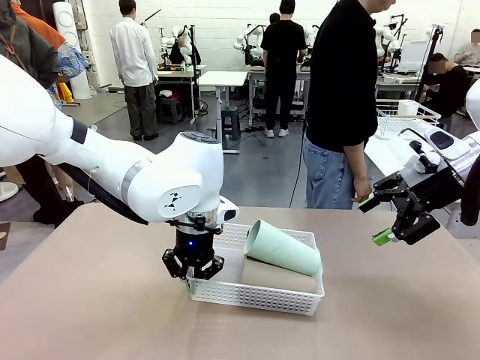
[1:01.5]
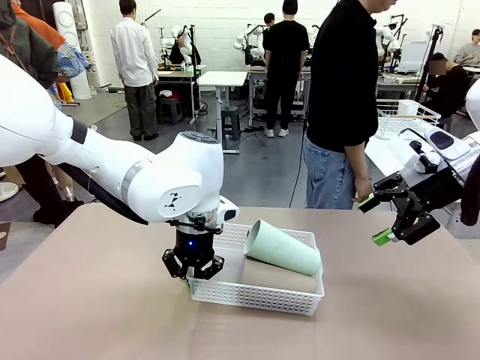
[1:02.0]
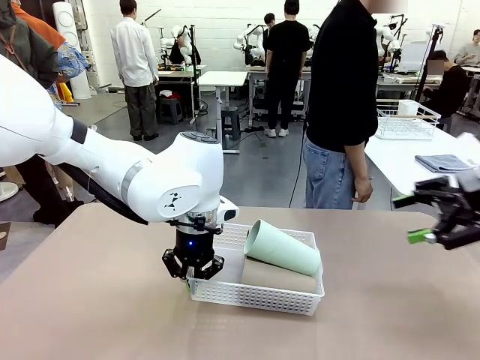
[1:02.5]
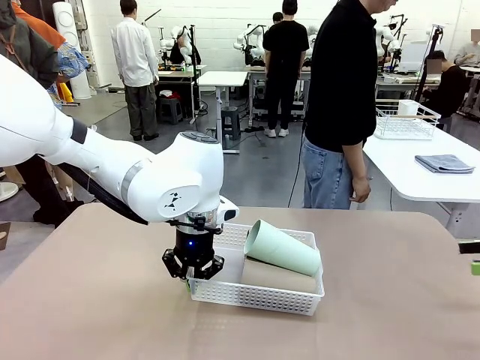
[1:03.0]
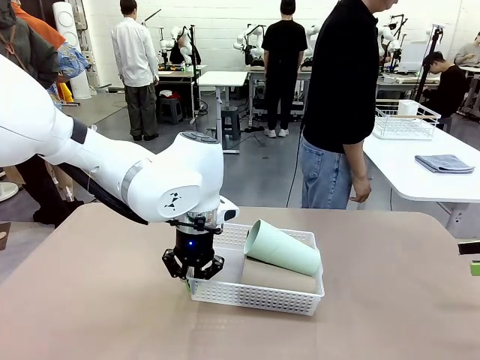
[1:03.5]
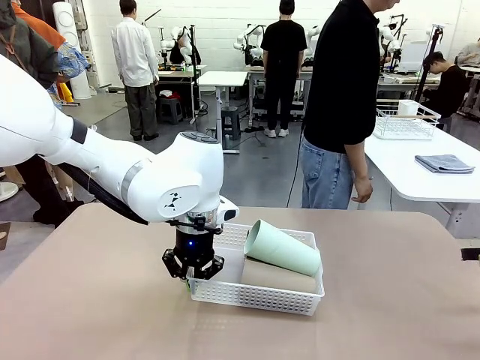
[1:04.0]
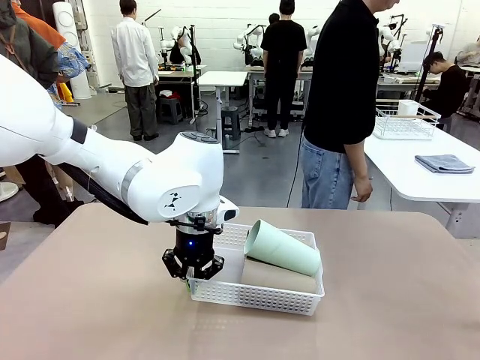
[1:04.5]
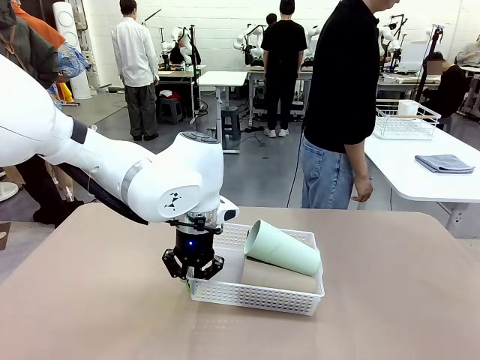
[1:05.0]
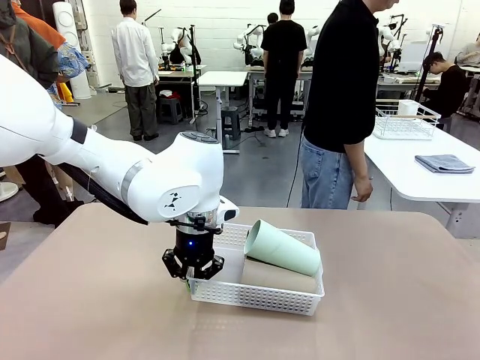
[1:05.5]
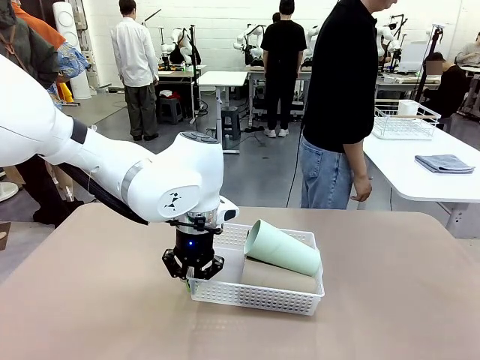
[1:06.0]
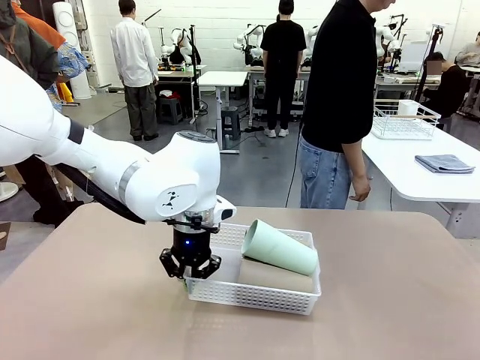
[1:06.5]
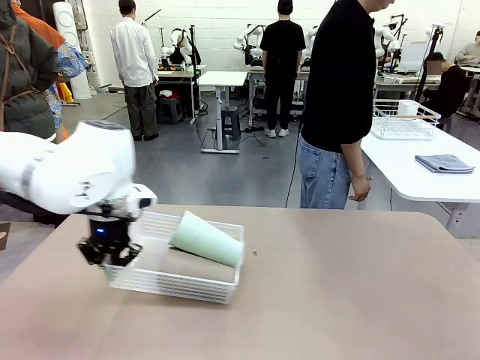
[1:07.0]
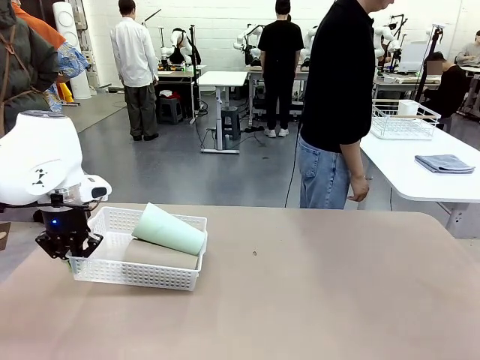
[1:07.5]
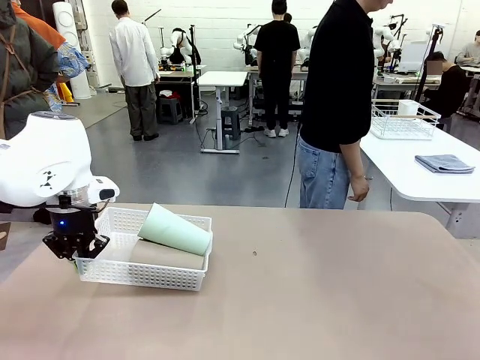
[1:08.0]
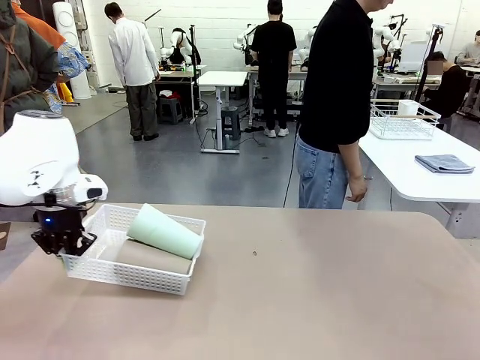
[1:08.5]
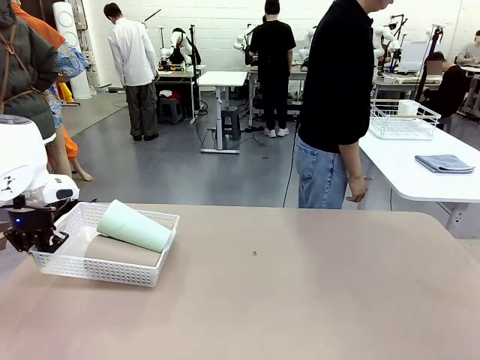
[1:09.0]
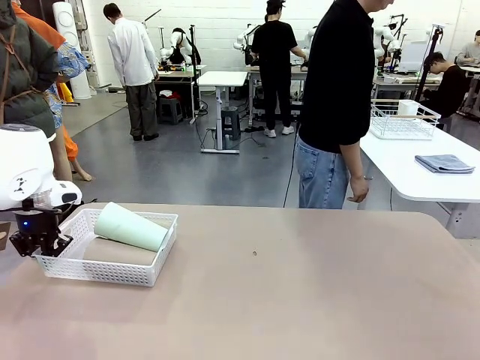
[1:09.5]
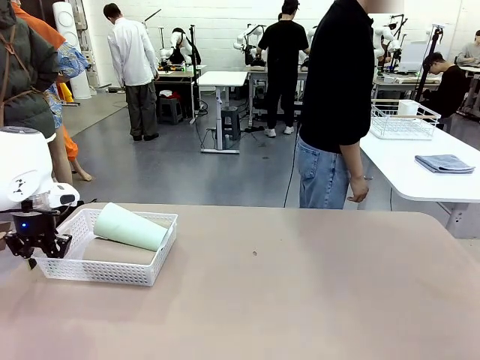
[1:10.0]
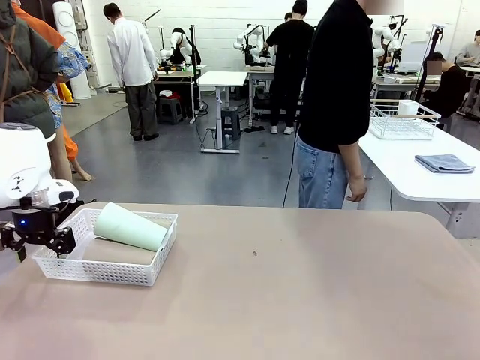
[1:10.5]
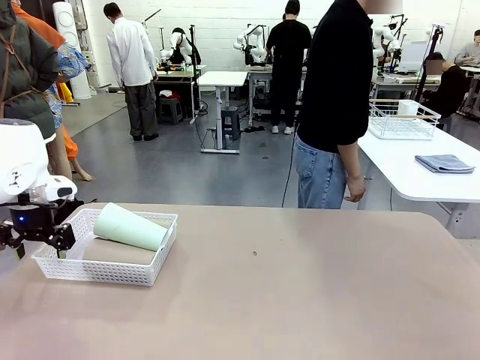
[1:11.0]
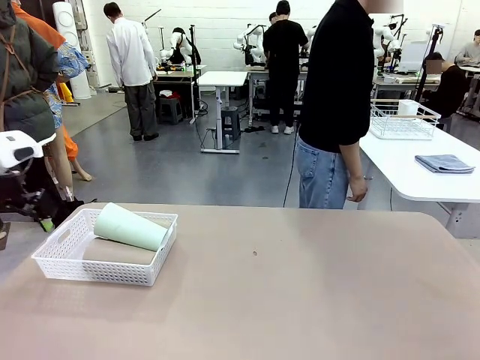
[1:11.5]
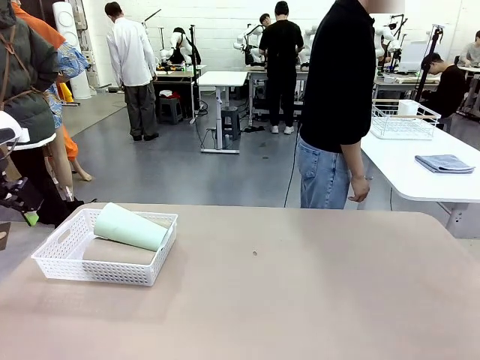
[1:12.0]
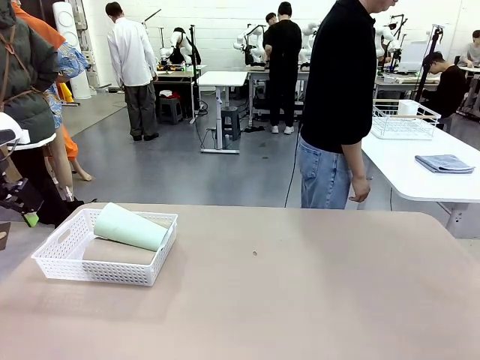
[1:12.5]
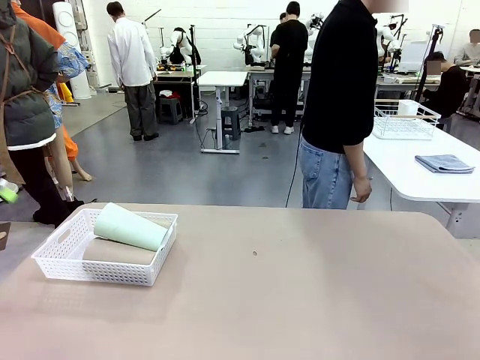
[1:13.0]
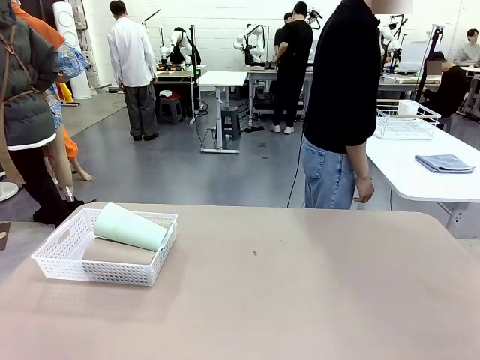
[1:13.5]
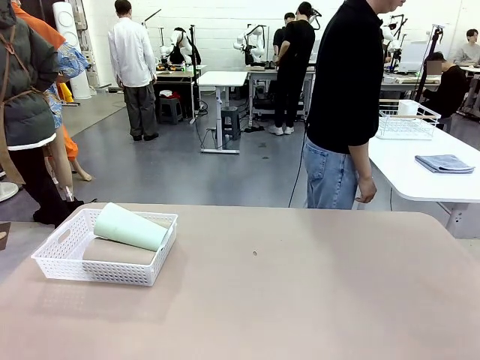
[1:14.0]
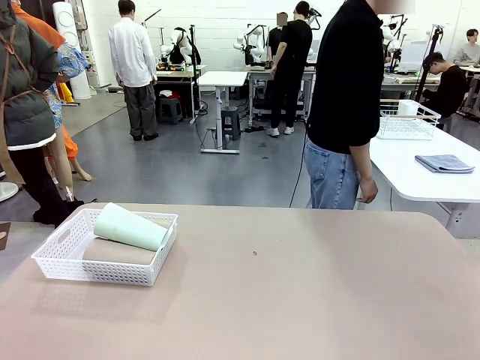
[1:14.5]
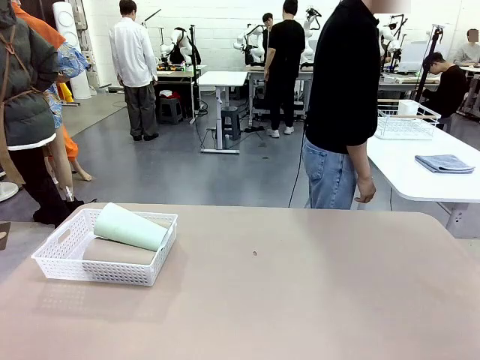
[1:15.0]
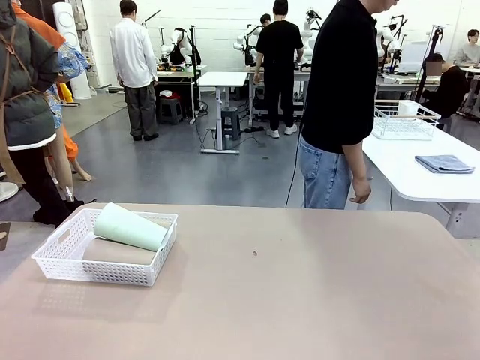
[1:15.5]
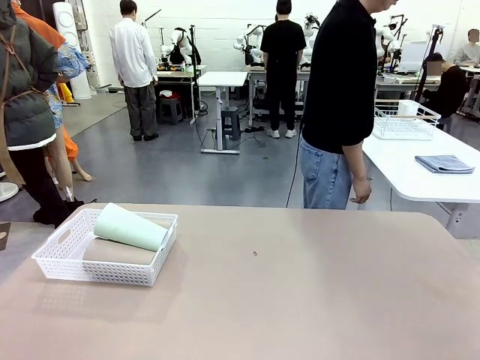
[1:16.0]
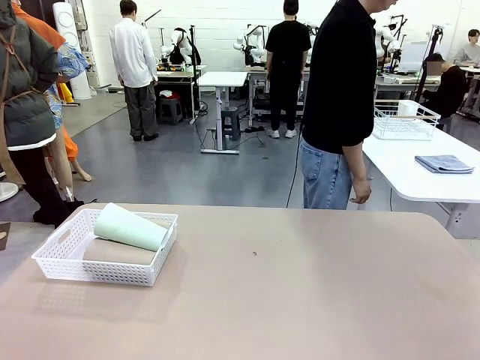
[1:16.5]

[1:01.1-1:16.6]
Task: Clean and organize the cups into the basket.
Robot: Move the Organizing basket back to the left side of the table.
Person: Folds the towel in half twice and places it in the right of the table.

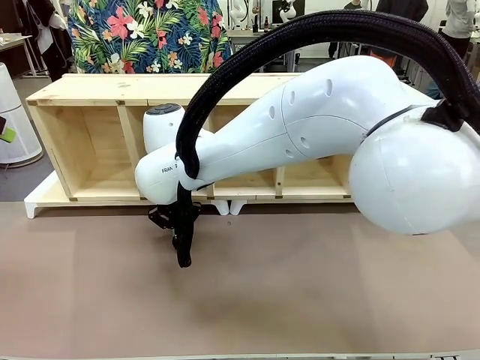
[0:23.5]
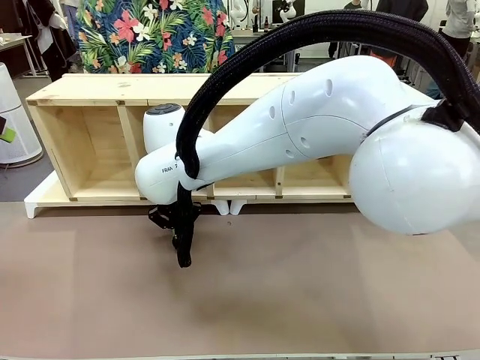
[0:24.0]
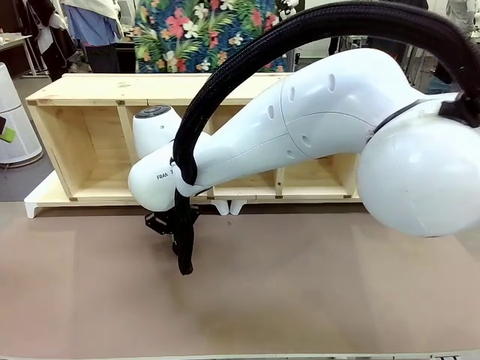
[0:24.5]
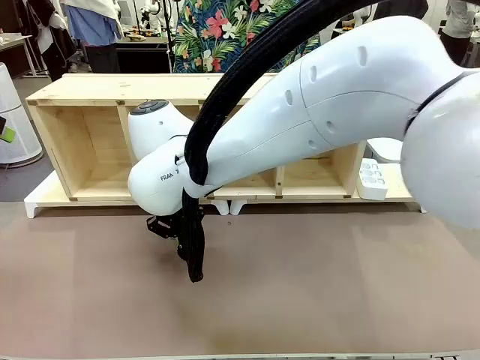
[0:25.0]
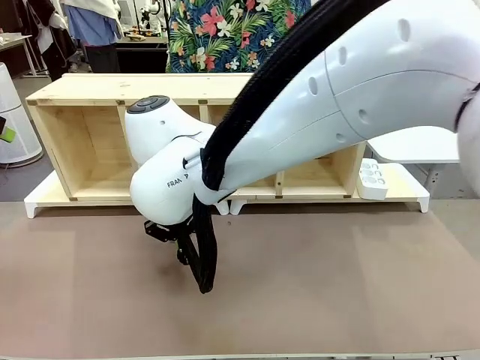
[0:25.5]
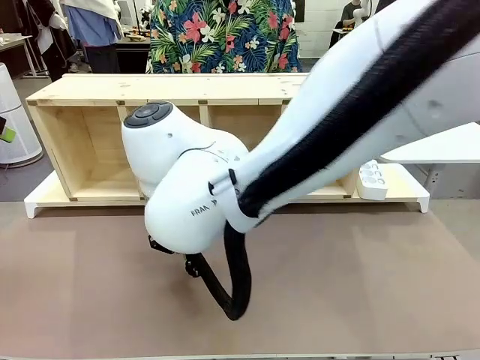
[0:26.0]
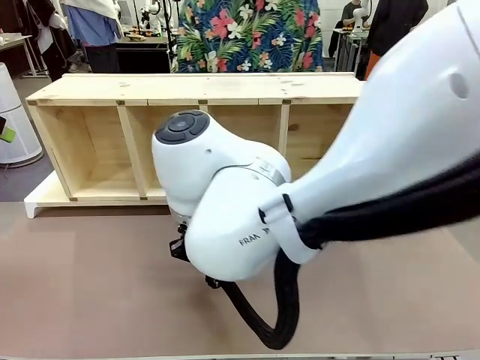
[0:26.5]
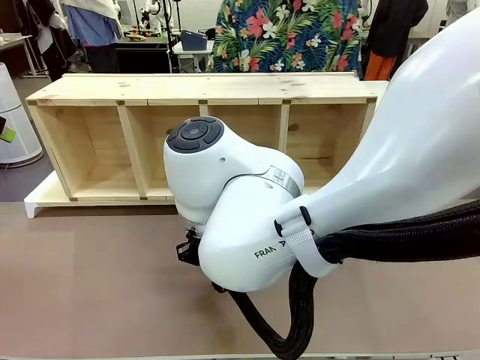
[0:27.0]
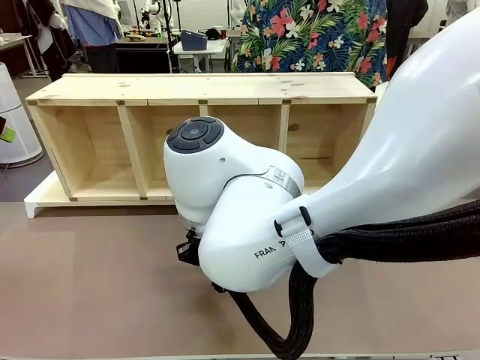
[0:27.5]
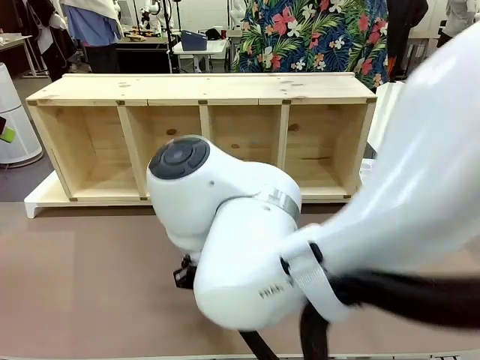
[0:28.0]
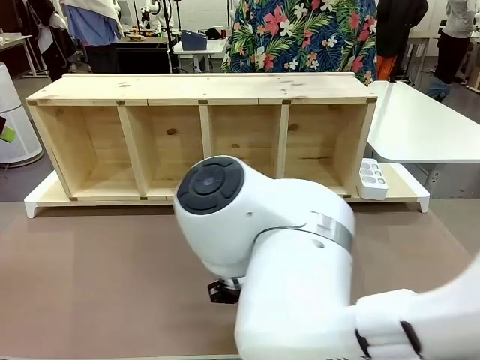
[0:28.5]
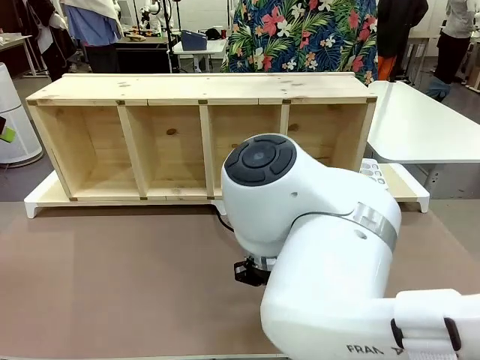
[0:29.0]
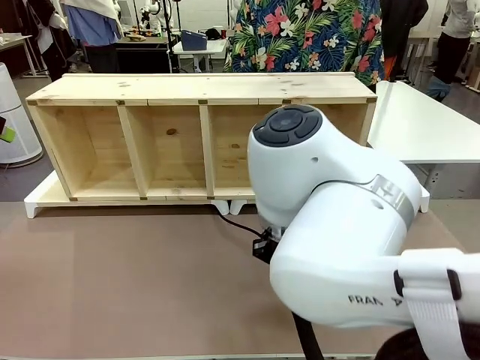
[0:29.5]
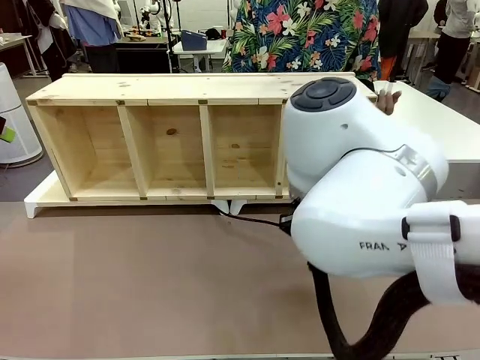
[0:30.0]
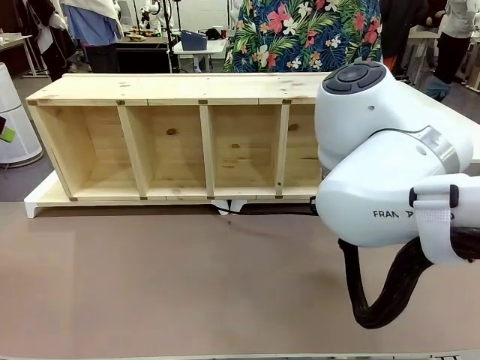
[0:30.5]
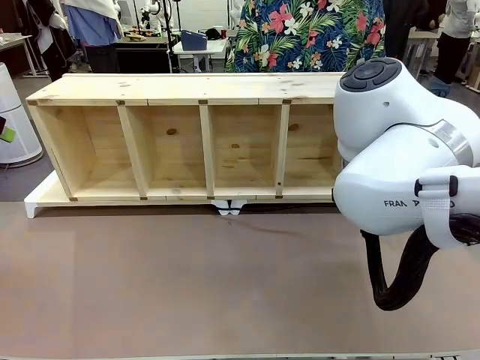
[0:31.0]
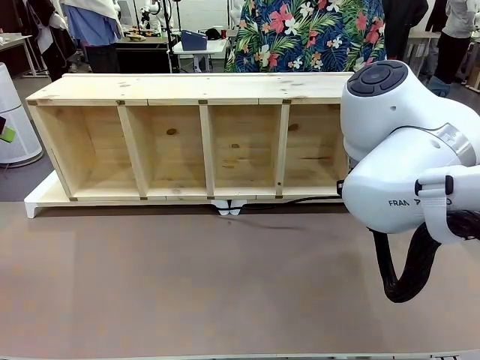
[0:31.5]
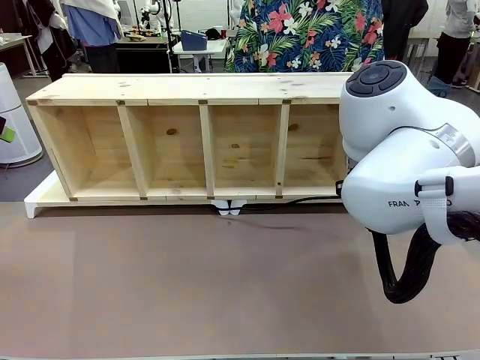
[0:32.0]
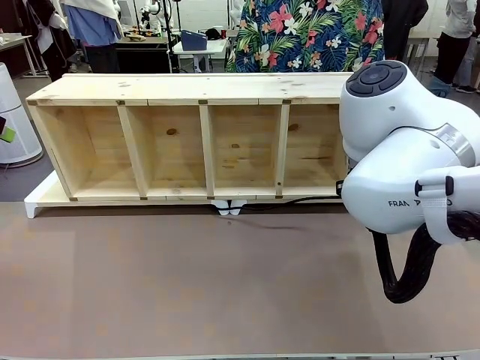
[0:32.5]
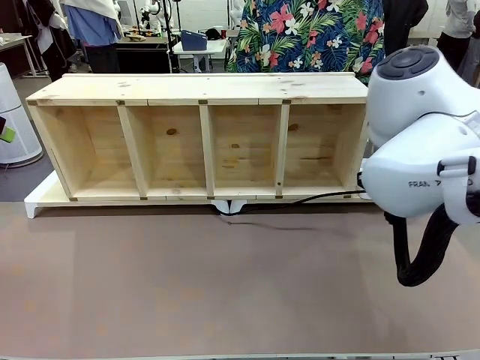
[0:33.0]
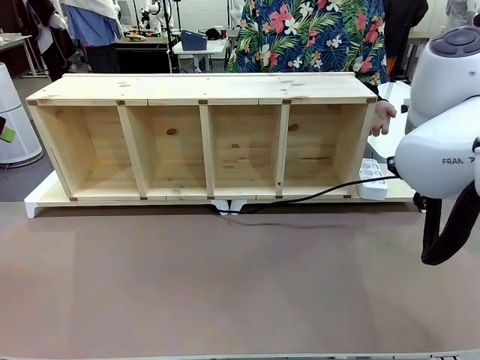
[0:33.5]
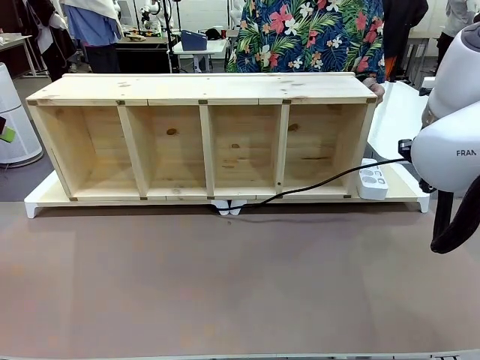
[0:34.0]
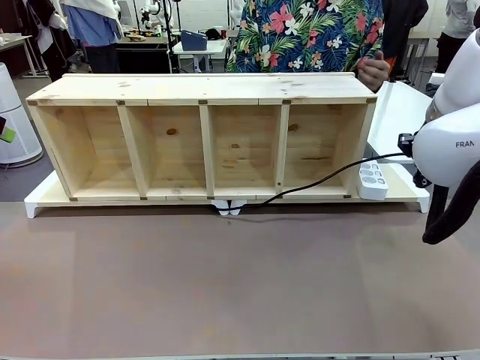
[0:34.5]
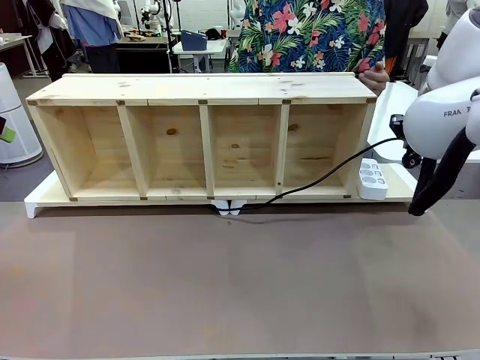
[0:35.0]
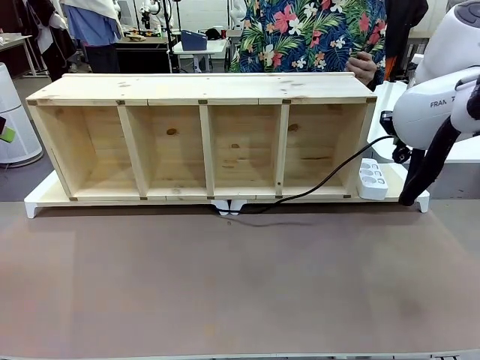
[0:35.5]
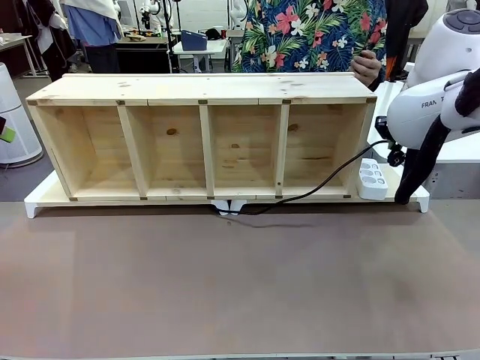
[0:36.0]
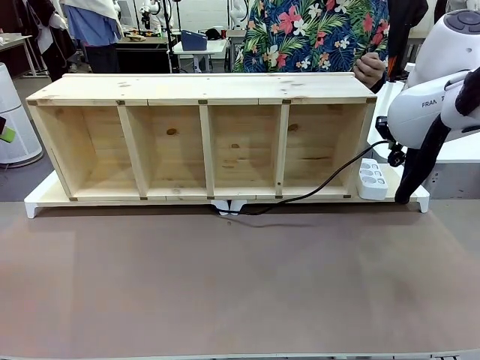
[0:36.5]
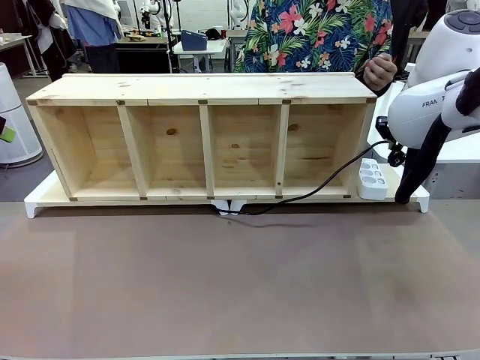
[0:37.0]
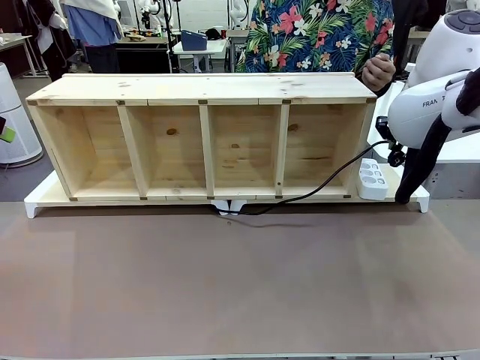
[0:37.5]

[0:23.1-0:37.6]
Task: Perform cable management.
Robot: Pull the grasped Power Cable to the location of the Power Strip.
